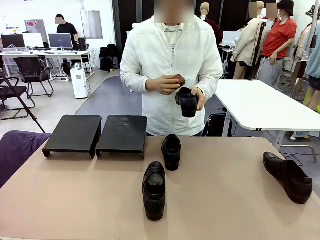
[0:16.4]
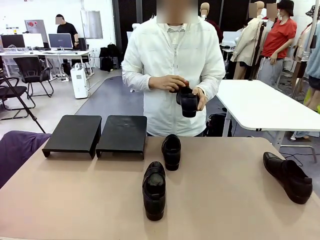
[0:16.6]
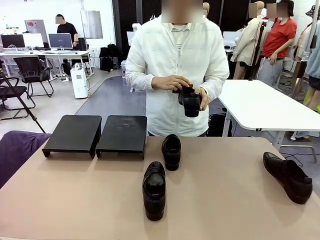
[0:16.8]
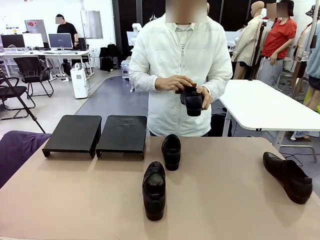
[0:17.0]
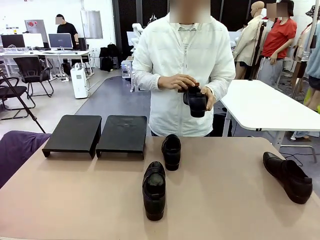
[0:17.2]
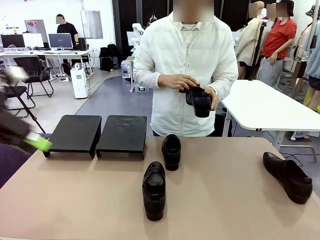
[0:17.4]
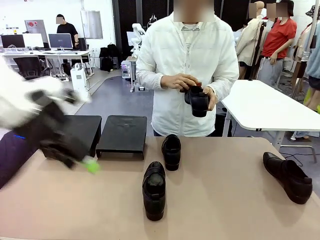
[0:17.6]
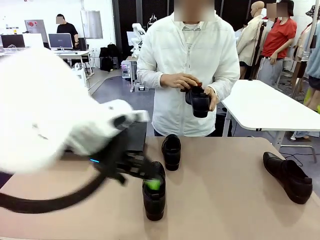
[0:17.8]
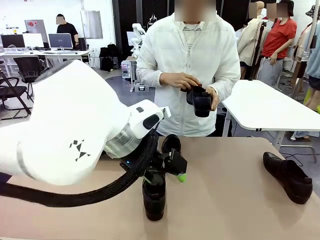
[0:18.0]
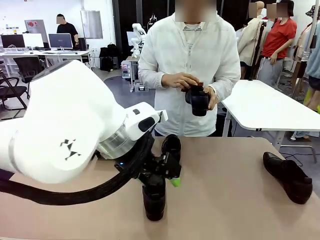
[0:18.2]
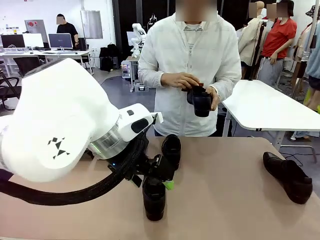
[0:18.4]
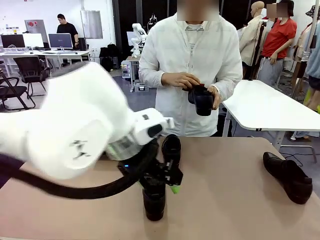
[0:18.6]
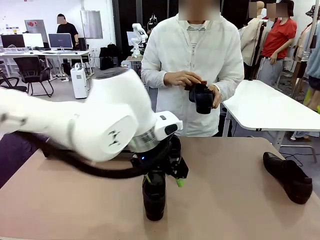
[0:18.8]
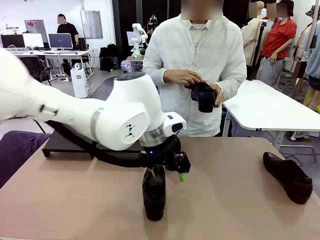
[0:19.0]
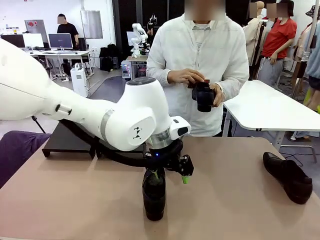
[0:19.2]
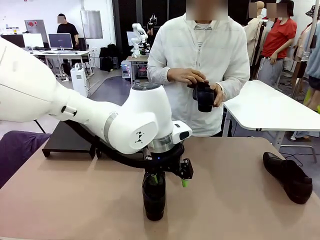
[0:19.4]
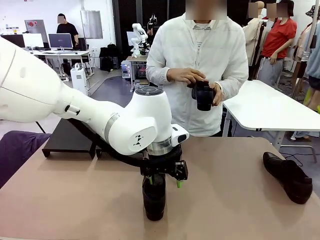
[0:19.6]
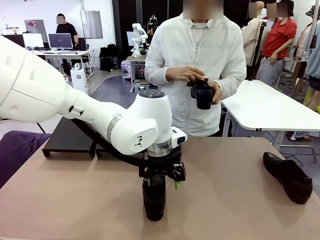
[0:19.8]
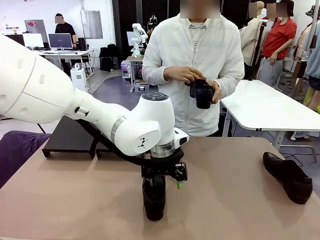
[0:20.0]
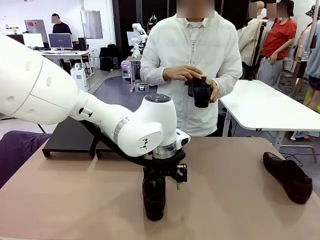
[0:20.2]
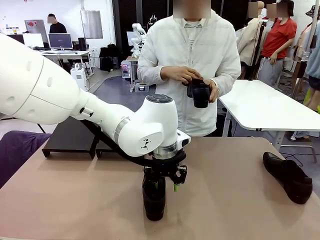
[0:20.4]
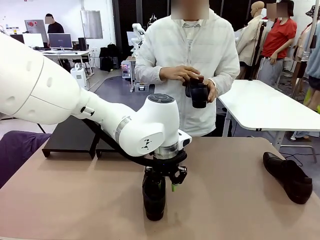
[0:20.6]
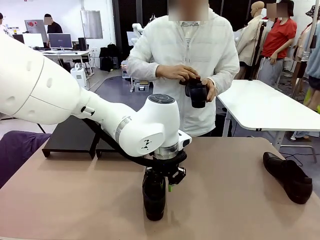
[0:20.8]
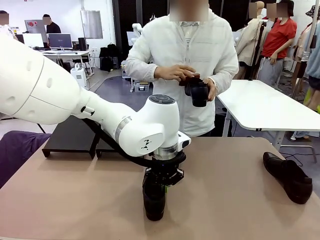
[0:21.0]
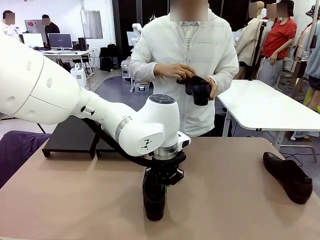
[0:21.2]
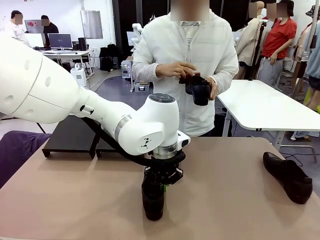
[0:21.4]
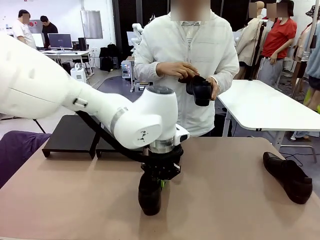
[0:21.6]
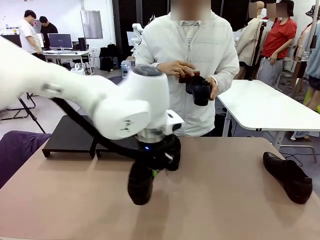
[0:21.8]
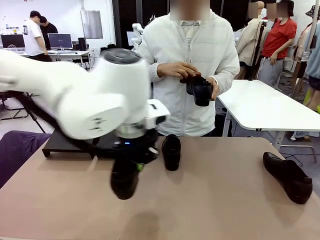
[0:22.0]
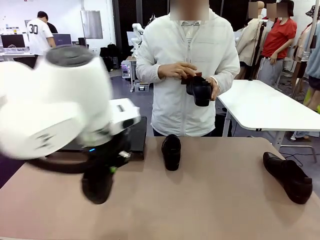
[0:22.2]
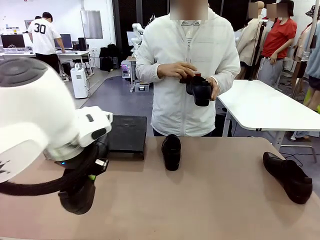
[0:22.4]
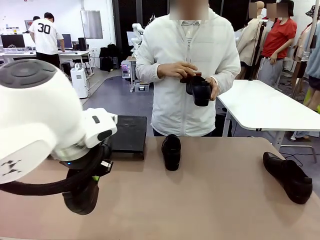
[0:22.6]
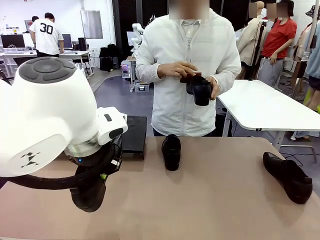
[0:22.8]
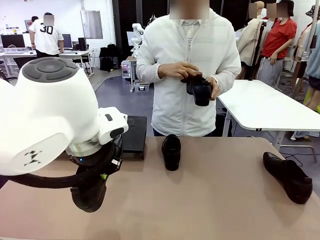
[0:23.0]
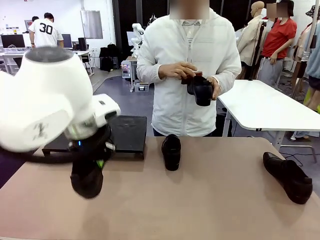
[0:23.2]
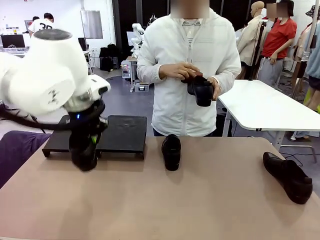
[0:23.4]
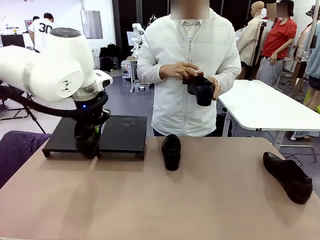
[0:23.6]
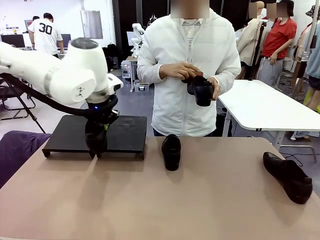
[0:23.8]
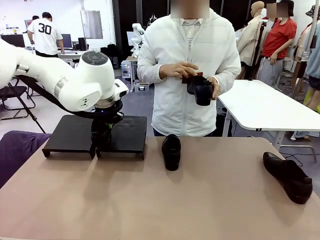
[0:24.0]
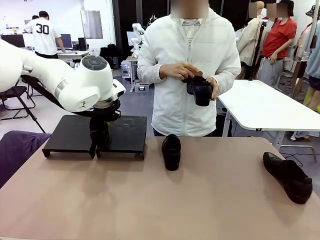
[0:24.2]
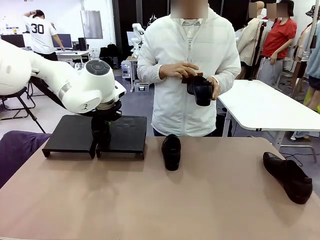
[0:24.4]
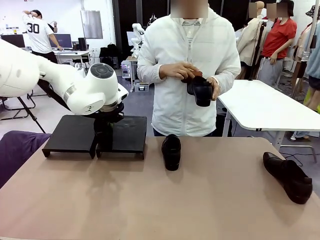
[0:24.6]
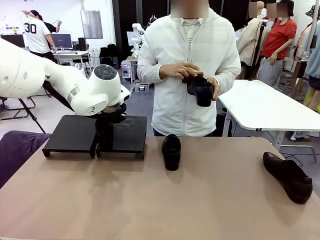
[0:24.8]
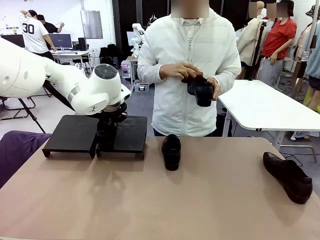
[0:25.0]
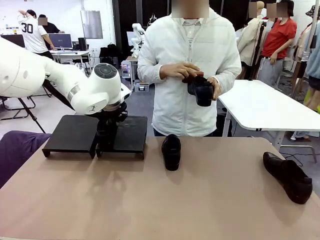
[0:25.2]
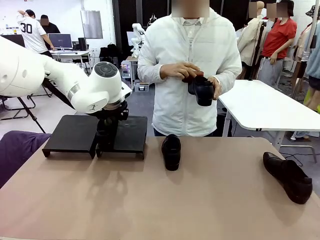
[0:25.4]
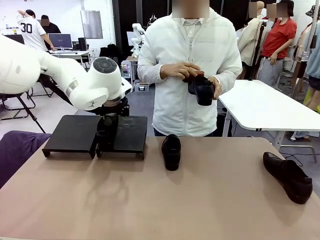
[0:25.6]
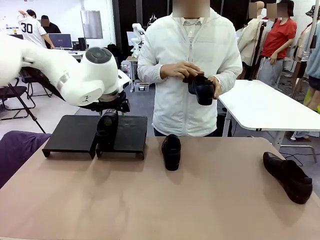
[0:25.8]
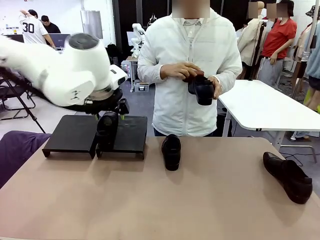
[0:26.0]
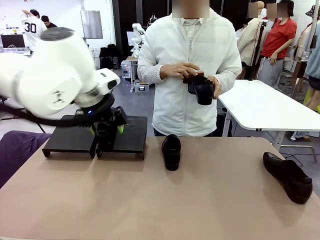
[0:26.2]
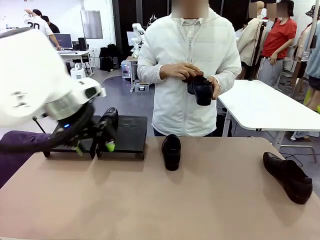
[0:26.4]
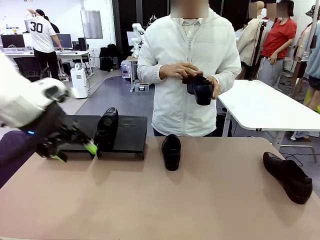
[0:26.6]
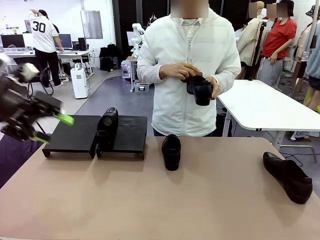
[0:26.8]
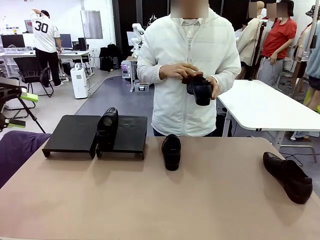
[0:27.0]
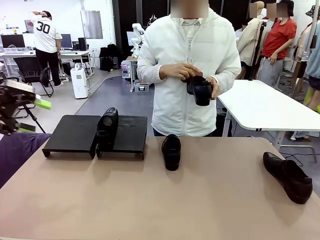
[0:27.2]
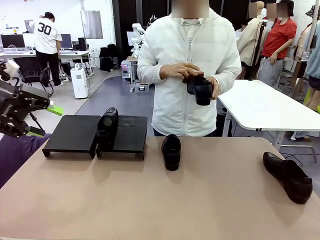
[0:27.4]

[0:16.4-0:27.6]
Task: Organize the shoes by placing them on the stand.
Robot: Place the Shoe from the middle of the table onto the Shoes Stand.
Person: Clean the Shoe with the Shoe Brush.

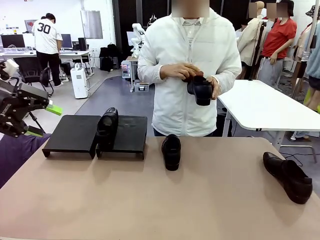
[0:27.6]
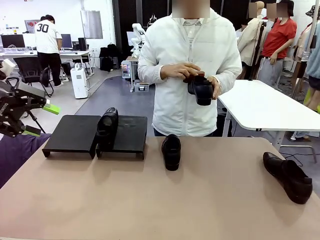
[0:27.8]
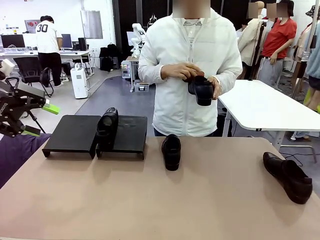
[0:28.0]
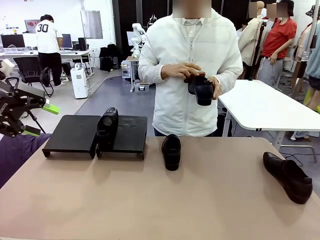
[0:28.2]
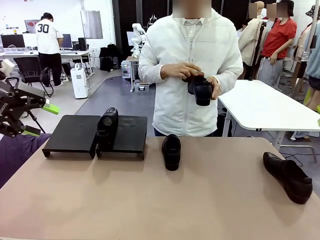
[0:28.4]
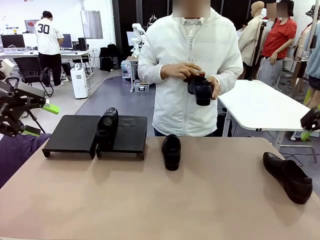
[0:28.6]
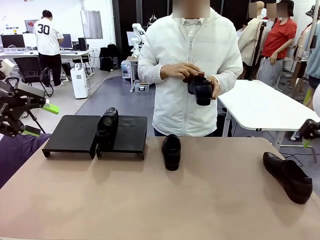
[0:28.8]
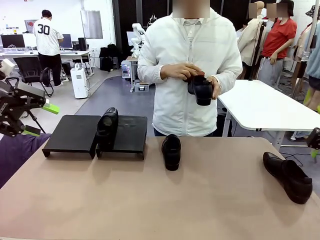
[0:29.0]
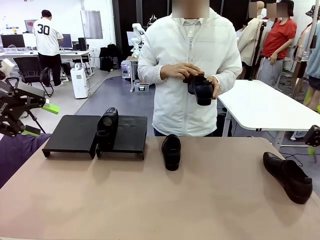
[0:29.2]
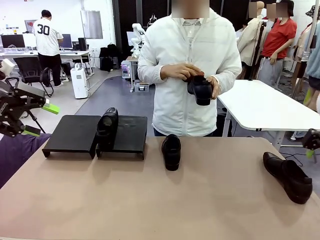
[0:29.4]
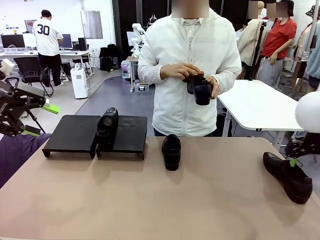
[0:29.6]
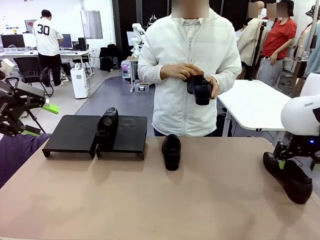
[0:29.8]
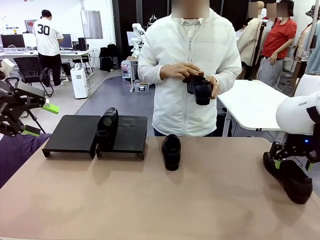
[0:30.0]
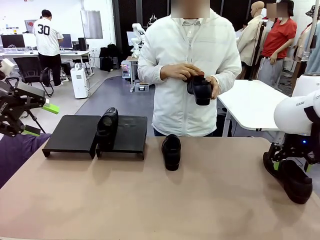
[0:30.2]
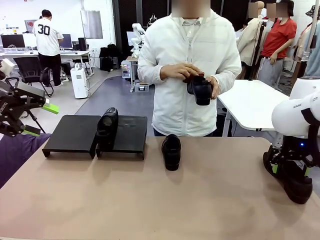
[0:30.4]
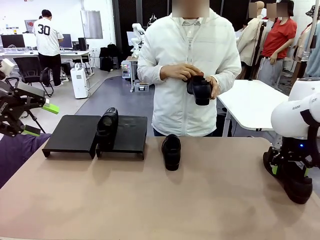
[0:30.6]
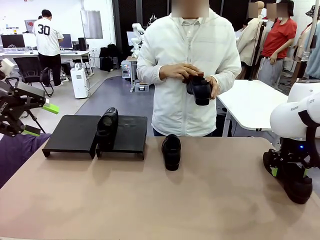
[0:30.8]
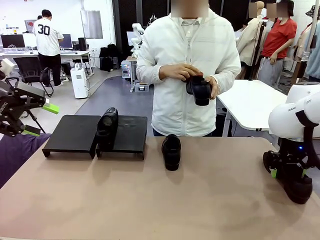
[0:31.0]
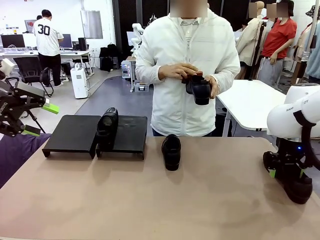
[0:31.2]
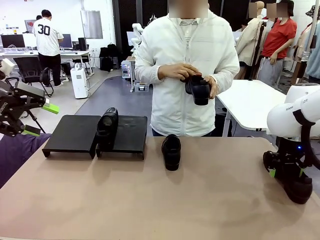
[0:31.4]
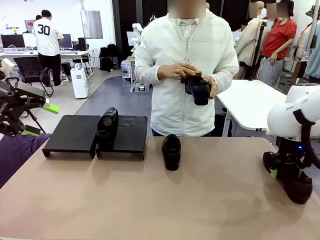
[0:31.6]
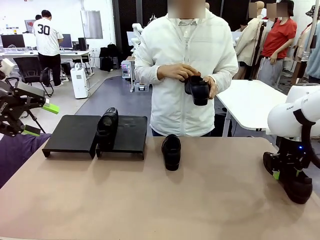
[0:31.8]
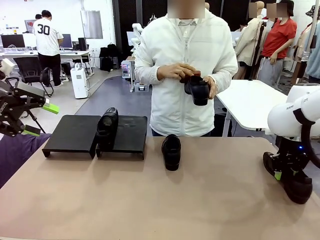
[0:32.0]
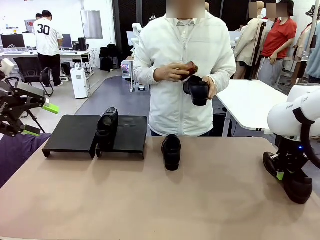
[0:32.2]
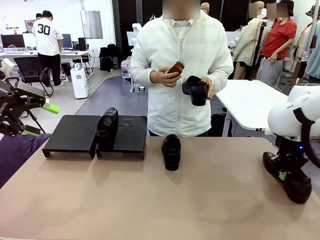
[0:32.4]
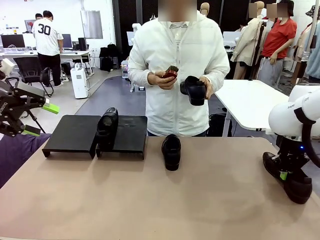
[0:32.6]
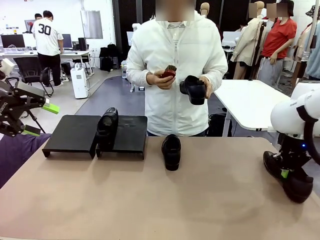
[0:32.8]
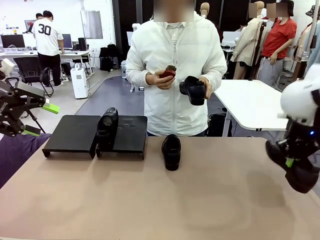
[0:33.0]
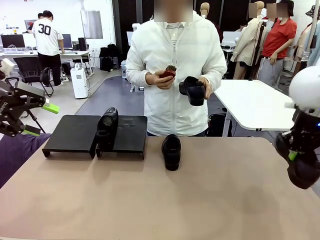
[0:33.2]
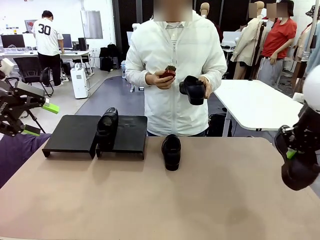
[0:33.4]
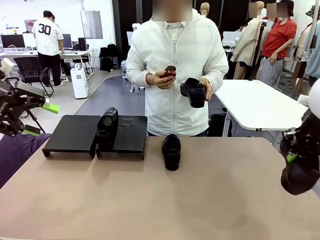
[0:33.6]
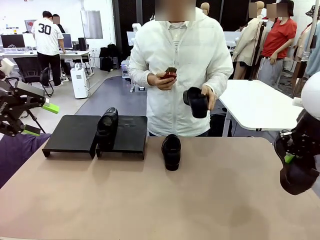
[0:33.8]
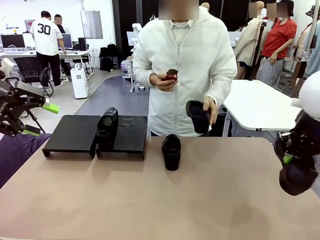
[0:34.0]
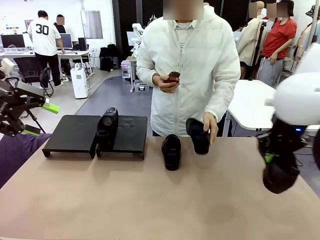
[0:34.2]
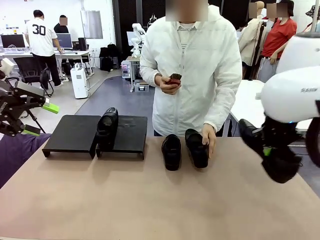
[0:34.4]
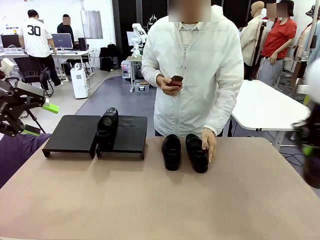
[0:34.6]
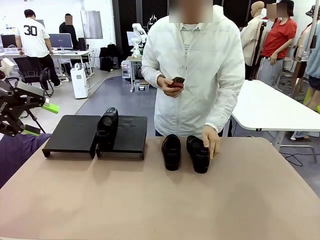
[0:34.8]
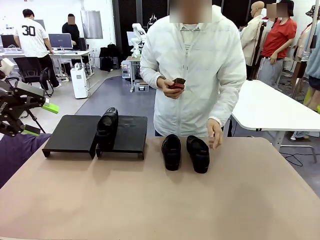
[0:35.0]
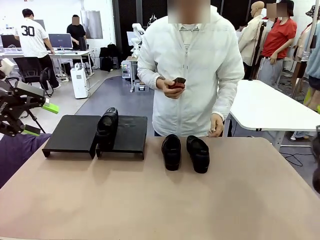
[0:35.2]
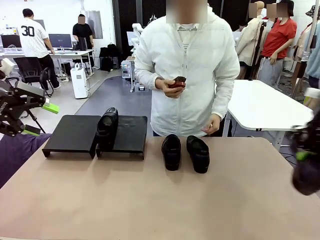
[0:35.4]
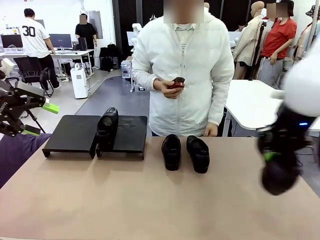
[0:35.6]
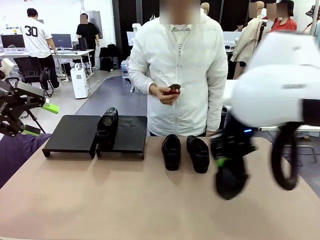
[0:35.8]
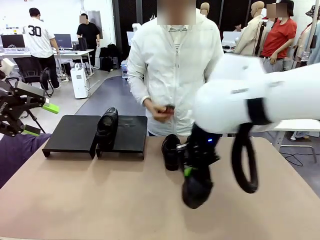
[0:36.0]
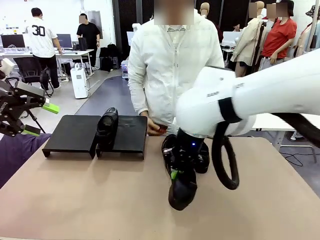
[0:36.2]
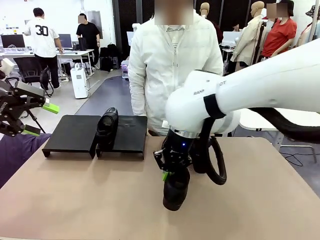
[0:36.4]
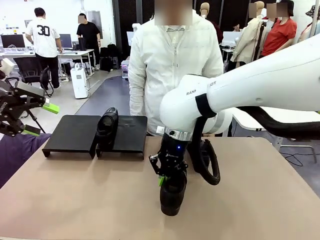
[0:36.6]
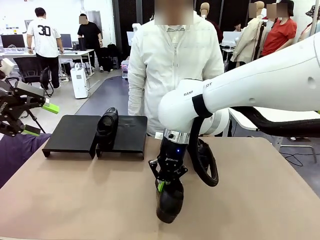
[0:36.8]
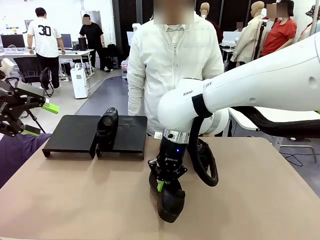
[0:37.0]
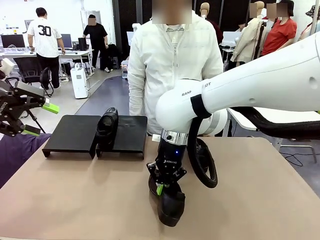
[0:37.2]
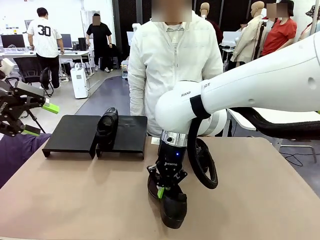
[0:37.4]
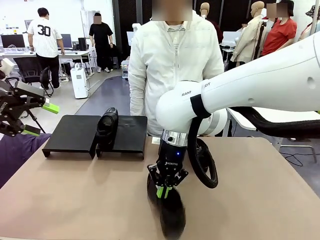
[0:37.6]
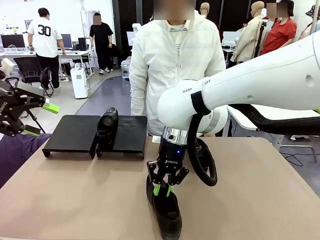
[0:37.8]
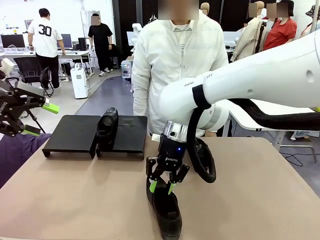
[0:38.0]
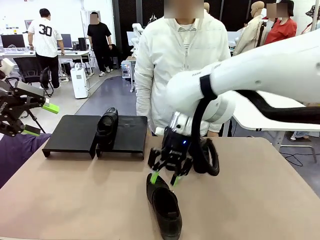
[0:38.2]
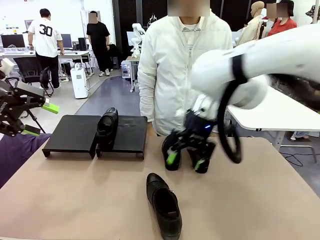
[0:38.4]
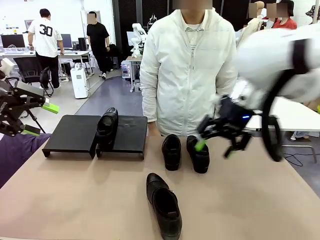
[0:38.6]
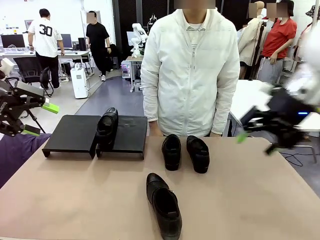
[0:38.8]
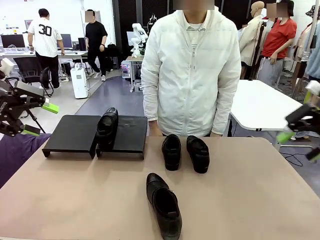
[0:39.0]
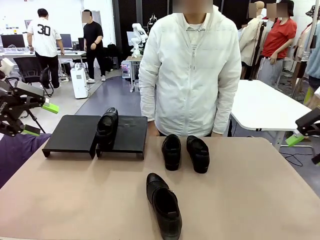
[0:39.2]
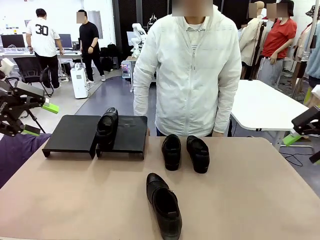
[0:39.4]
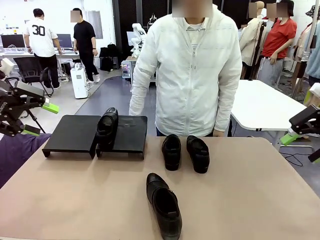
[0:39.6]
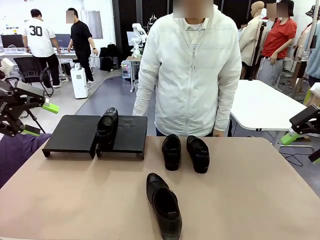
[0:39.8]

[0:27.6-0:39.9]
Robot: Pick up one Shoe and place it in the middle of the table.
